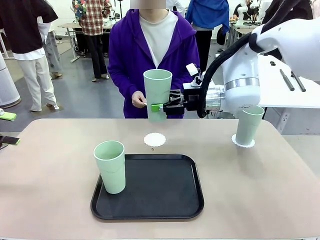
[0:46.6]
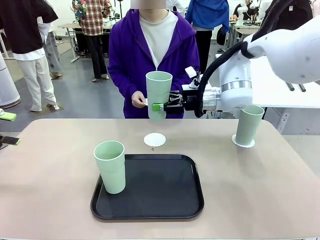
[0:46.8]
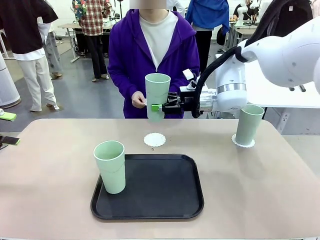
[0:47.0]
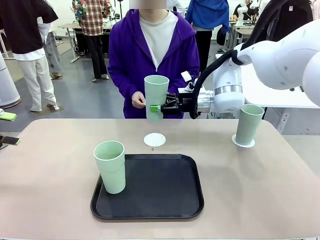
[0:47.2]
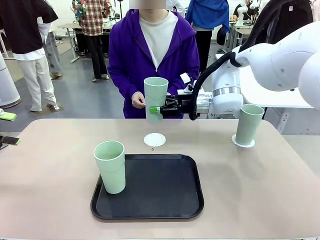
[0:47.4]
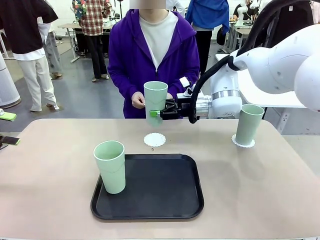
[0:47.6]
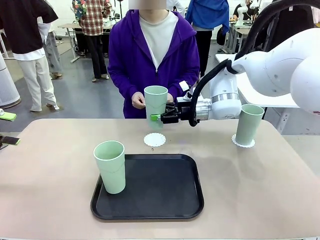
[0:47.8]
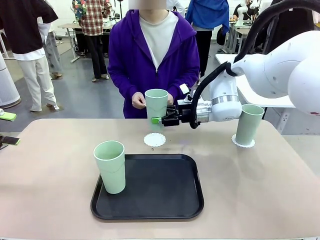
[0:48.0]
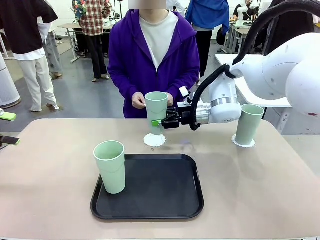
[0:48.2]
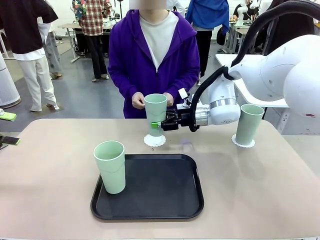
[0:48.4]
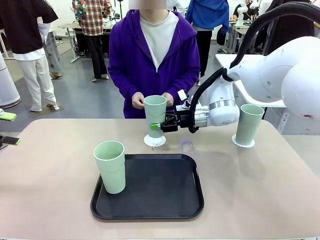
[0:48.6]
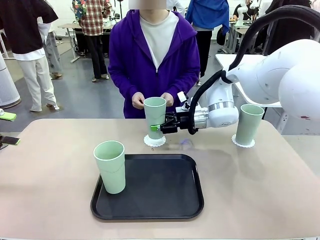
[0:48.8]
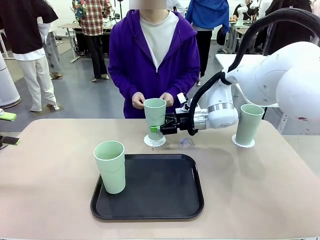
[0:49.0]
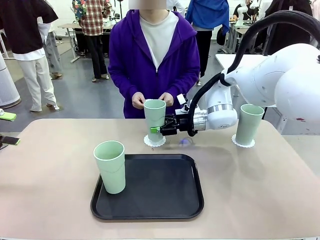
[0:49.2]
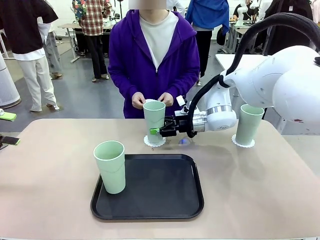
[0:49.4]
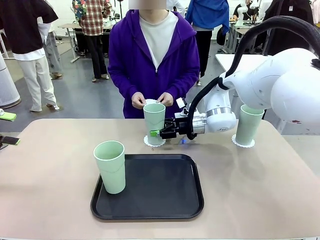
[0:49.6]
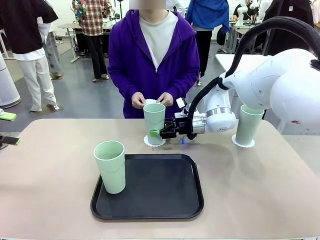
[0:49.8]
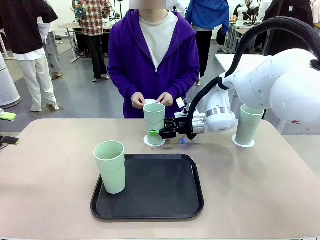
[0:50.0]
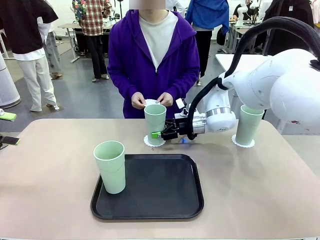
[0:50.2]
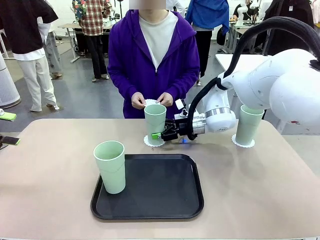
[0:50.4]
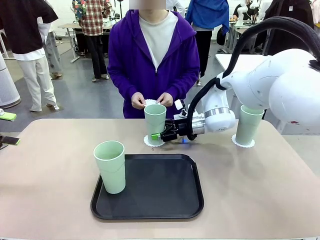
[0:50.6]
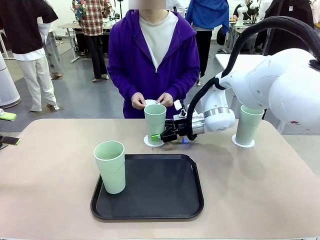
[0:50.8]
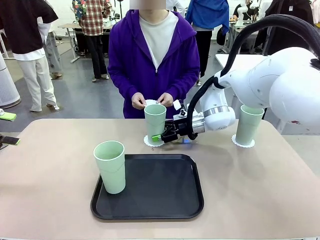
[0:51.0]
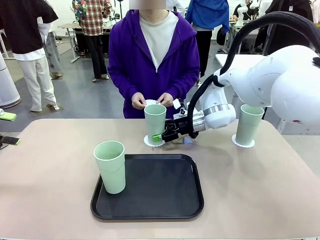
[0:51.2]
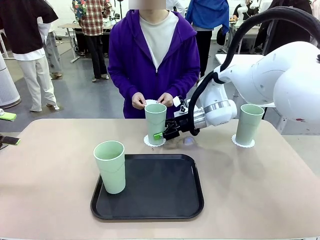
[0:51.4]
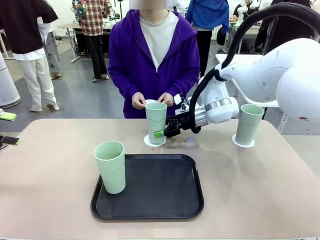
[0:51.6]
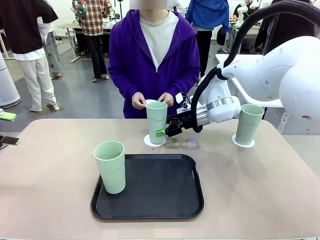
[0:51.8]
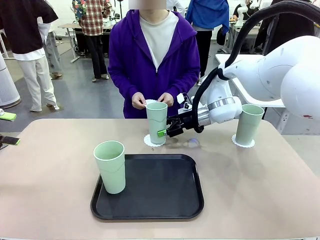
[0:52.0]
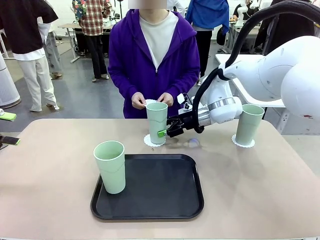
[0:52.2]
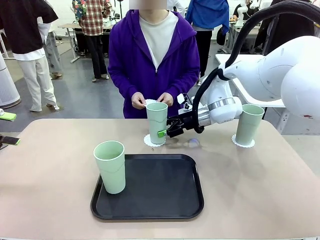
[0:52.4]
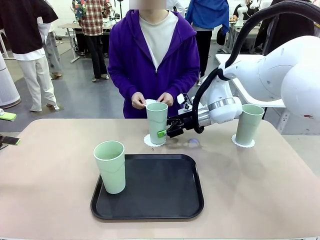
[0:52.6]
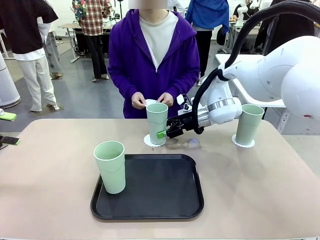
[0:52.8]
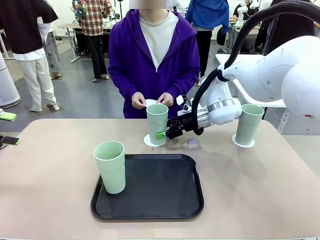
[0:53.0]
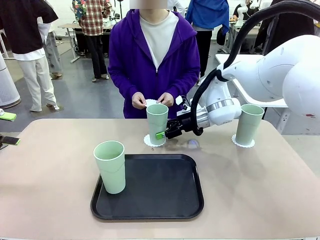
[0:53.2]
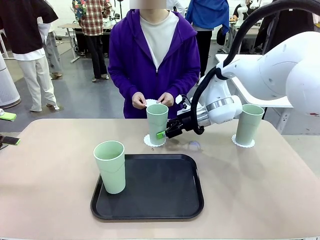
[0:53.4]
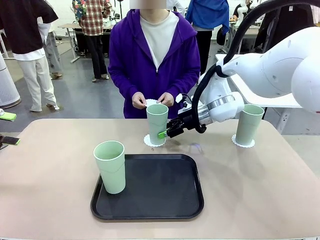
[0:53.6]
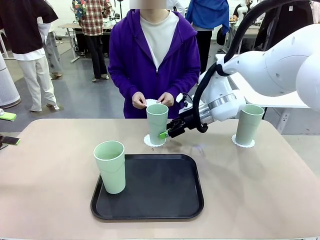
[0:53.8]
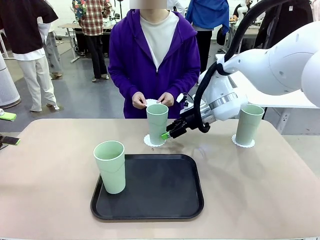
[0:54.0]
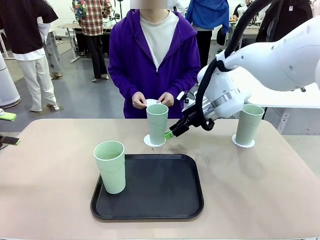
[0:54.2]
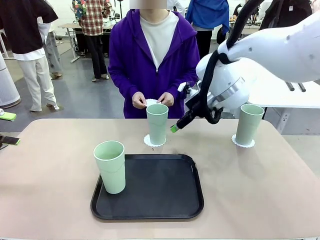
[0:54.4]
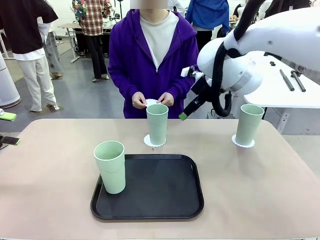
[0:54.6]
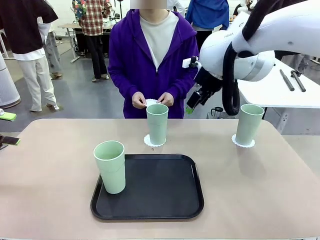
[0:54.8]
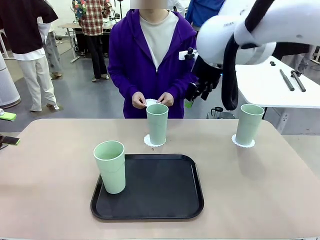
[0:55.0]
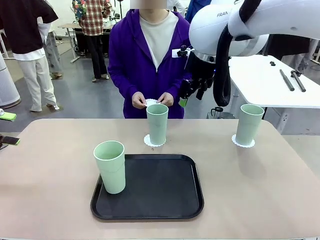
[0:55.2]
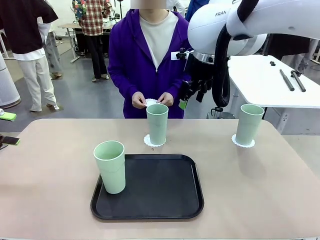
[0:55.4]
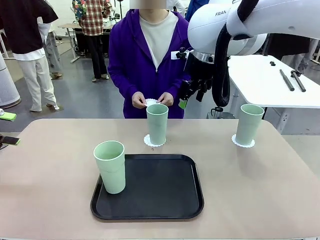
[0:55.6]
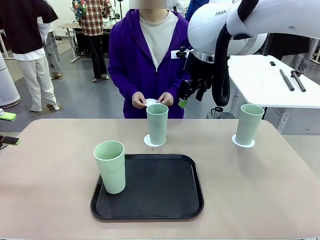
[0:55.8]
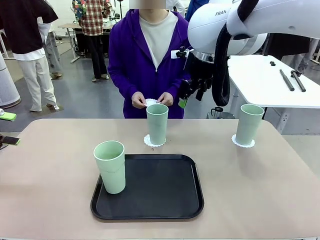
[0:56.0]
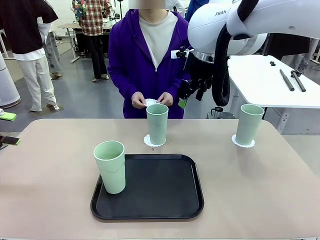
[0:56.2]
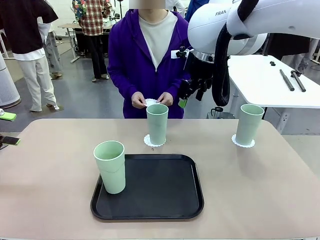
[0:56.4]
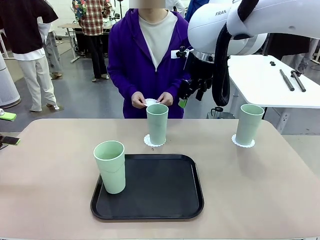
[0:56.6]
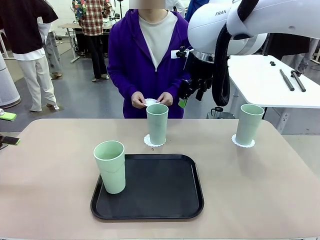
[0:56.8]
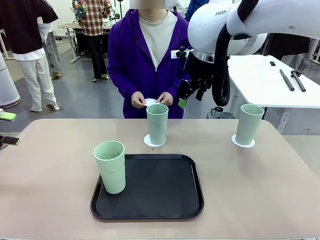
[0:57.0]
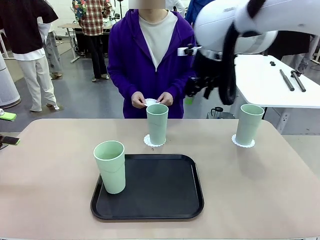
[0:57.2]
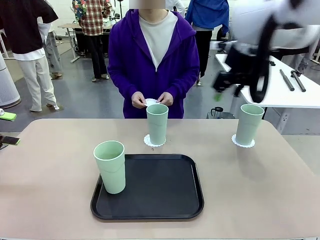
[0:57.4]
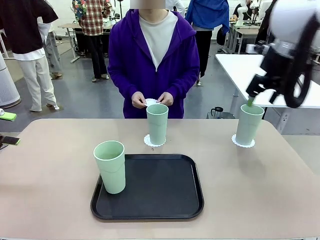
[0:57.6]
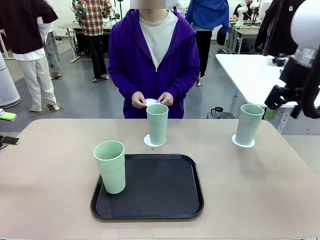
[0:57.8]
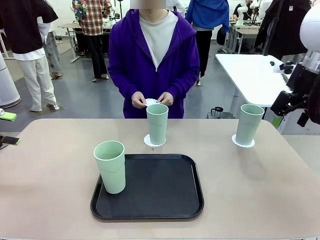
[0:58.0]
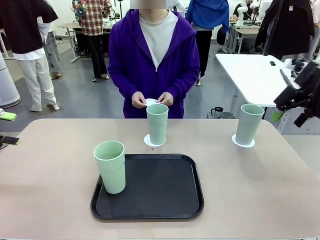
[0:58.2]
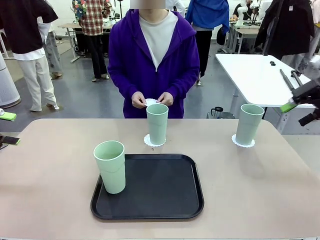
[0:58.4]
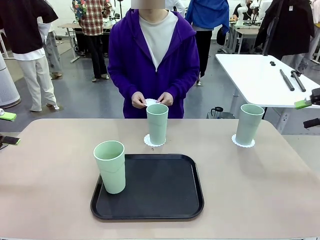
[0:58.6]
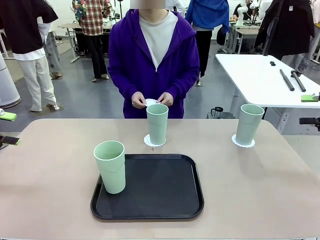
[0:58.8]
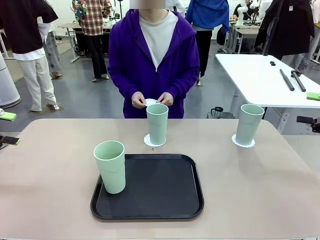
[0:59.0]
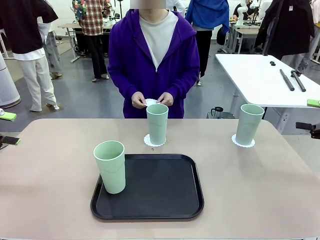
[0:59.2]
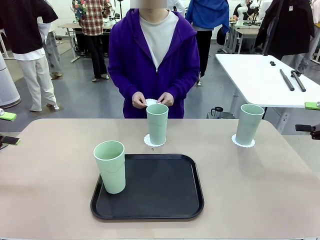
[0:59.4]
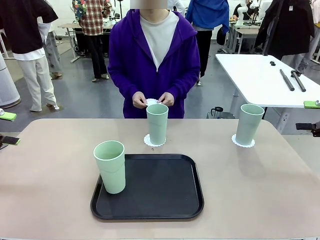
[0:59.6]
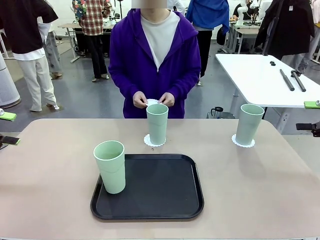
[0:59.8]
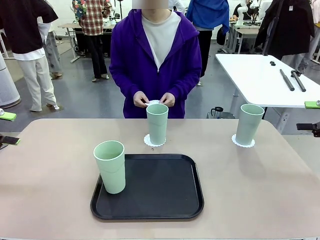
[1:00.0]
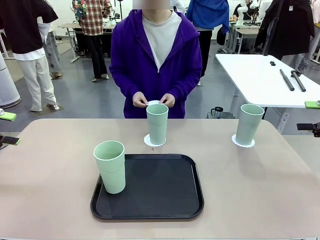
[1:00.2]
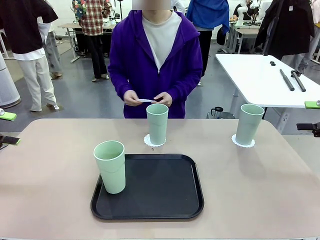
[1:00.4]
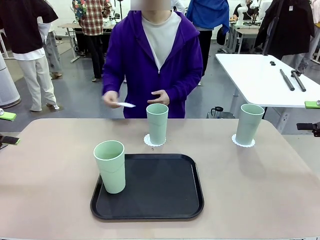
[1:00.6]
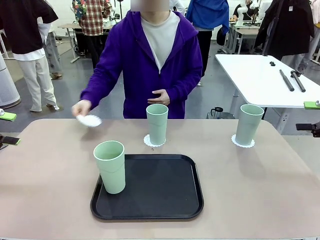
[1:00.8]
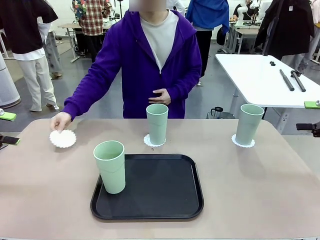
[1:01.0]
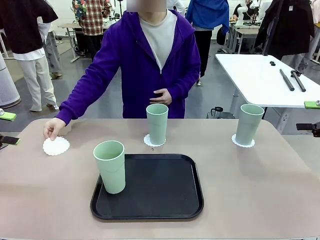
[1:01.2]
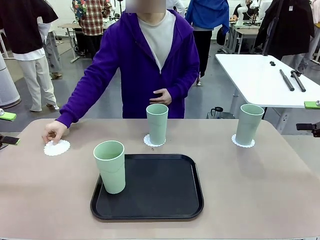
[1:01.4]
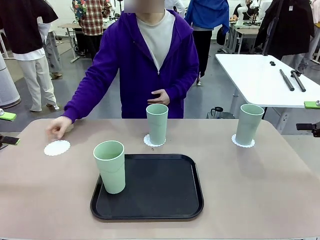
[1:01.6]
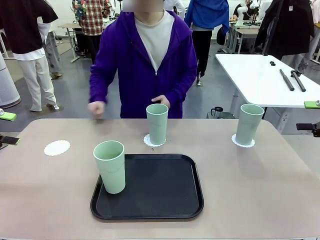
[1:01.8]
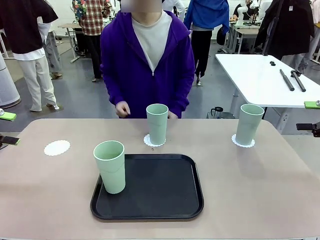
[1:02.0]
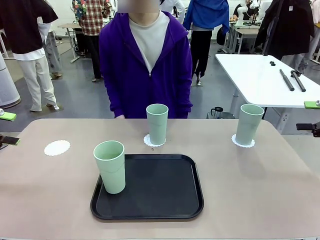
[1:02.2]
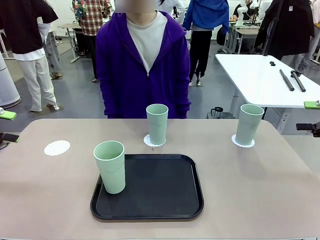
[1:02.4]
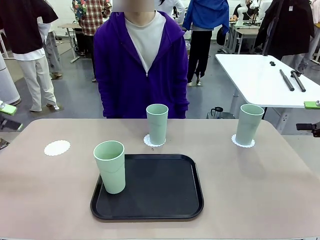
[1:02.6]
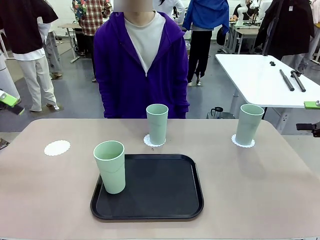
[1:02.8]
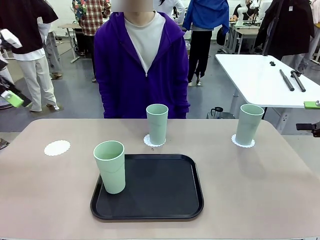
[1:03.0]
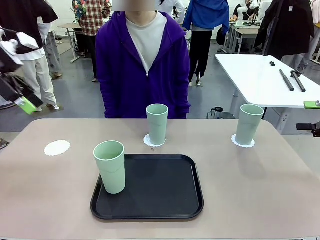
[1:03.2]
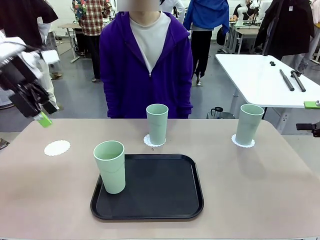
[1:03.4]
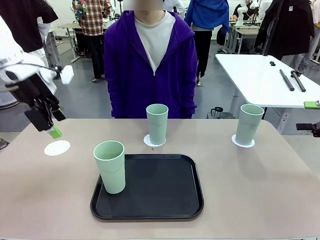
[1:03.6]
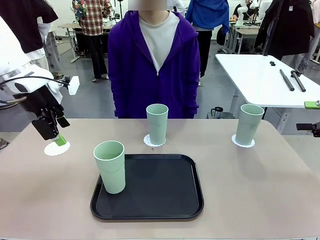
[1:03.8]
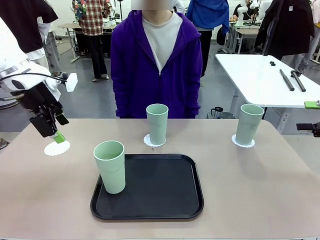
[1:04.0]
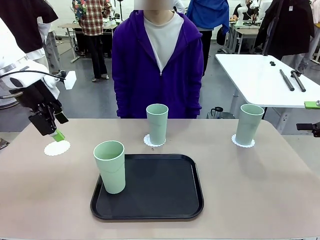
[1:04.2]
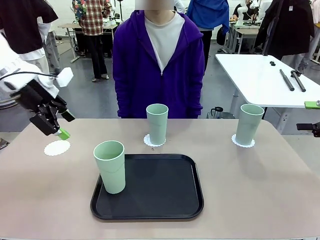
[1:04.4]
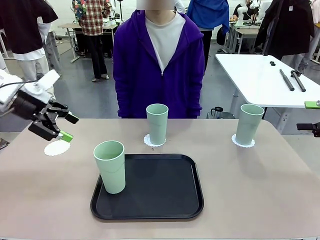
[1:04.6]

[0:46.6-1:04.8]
Task: Place coasters on the table and set cups on them.
Robot: Take one Reusable plastic cup from the Flat Tray and place it on a coaster set by the human.
